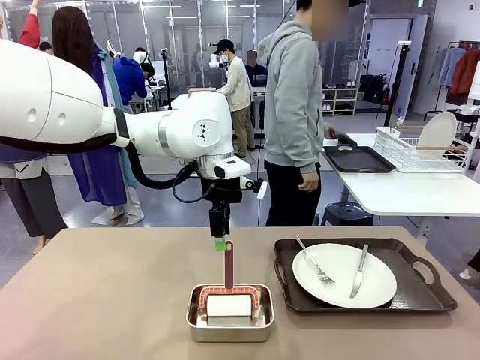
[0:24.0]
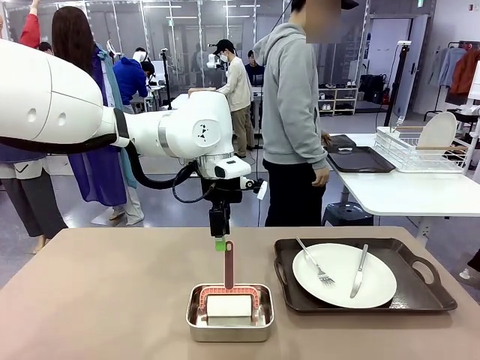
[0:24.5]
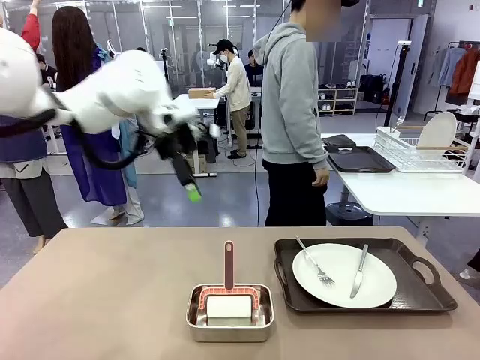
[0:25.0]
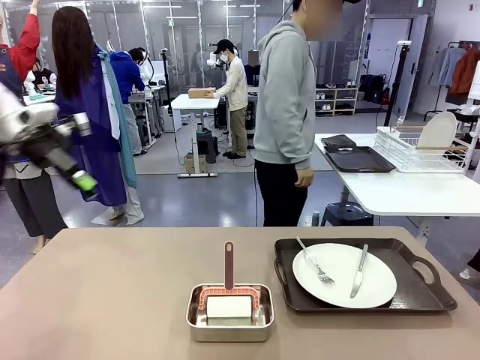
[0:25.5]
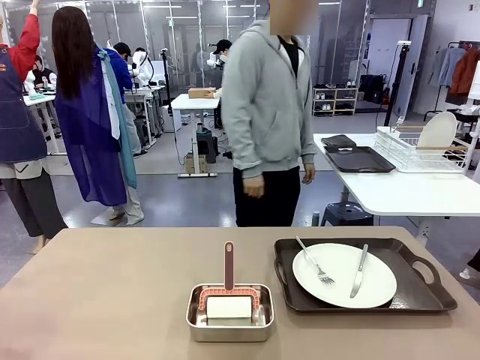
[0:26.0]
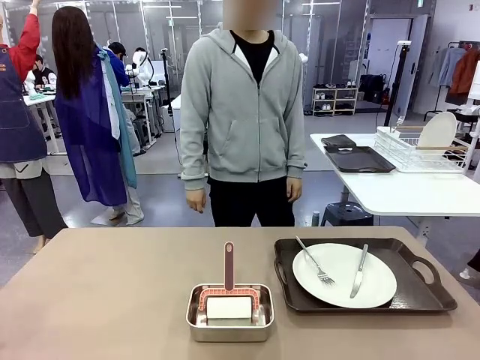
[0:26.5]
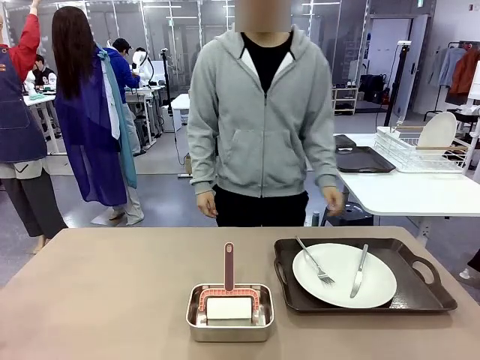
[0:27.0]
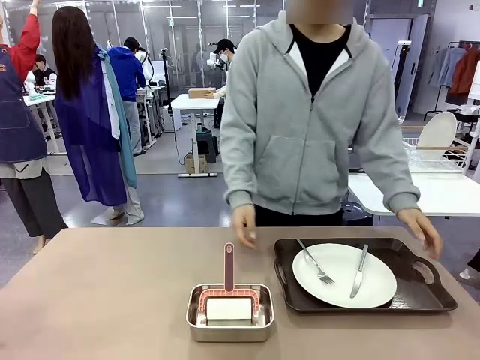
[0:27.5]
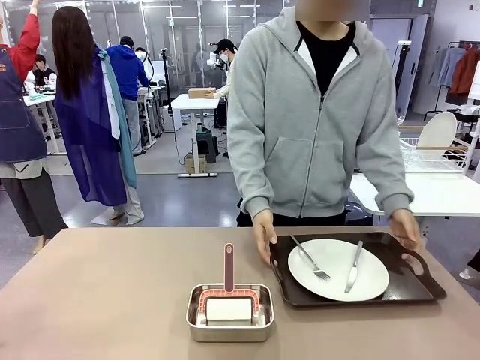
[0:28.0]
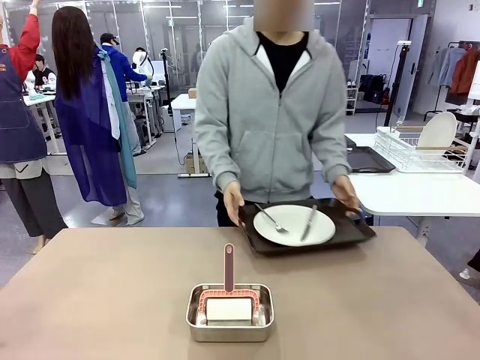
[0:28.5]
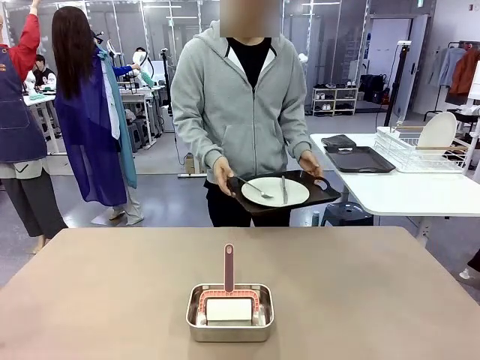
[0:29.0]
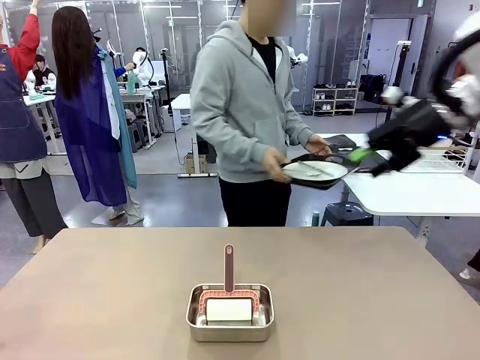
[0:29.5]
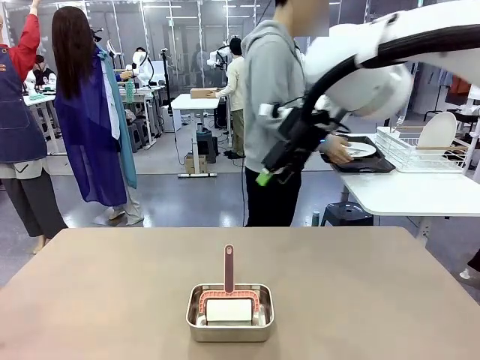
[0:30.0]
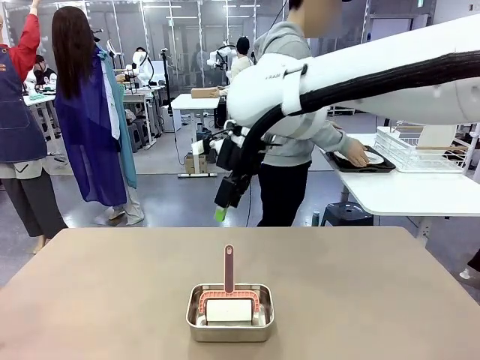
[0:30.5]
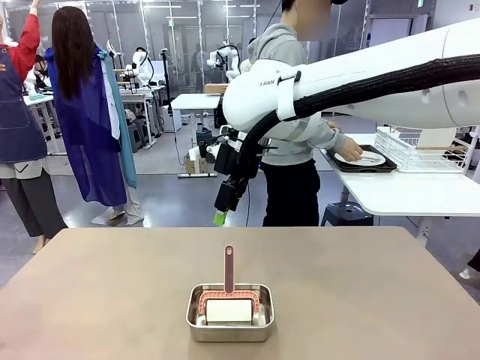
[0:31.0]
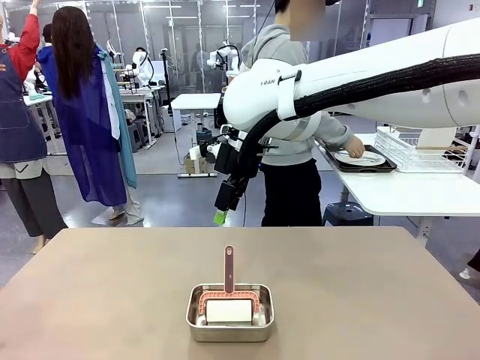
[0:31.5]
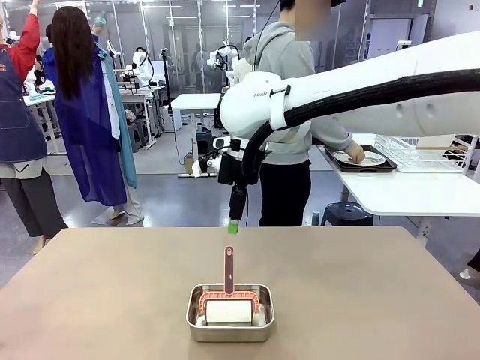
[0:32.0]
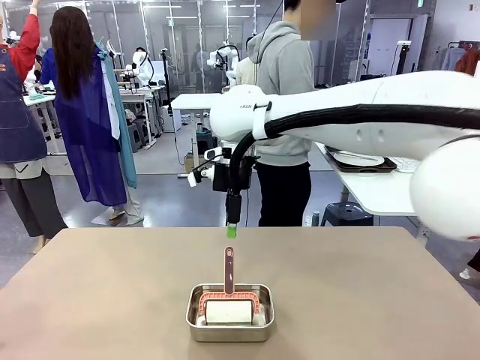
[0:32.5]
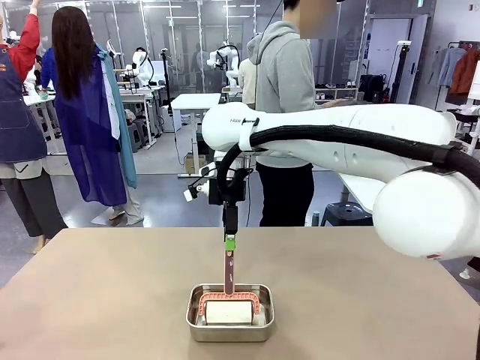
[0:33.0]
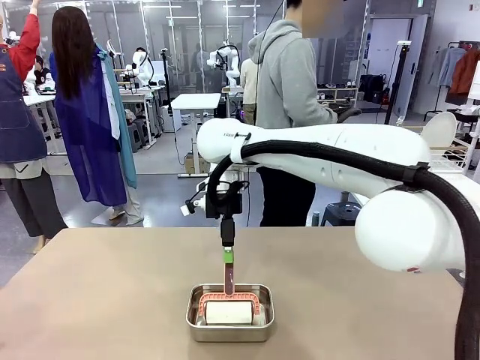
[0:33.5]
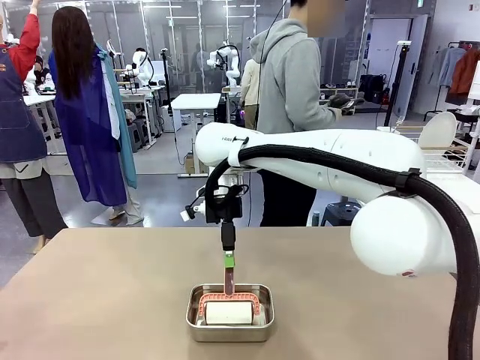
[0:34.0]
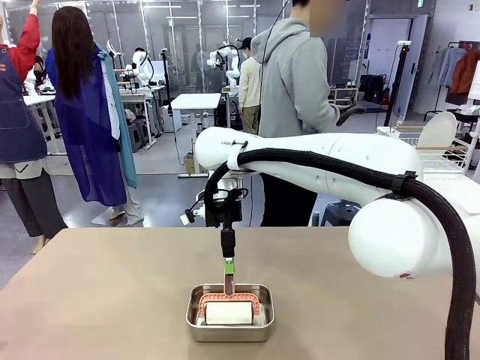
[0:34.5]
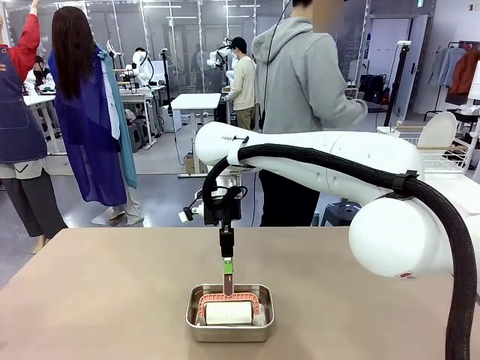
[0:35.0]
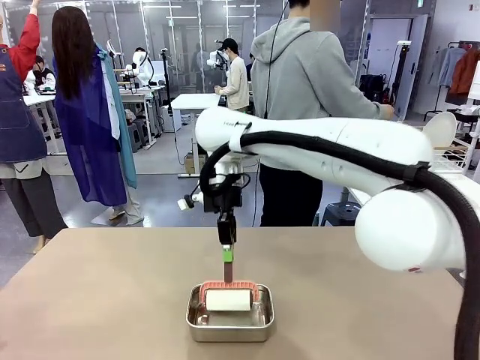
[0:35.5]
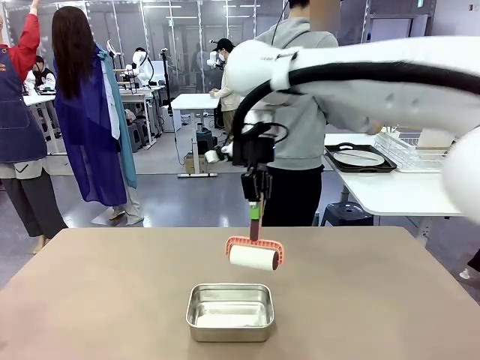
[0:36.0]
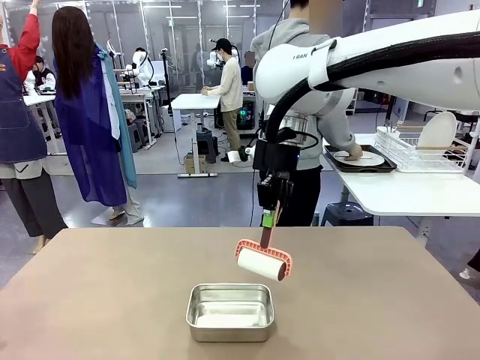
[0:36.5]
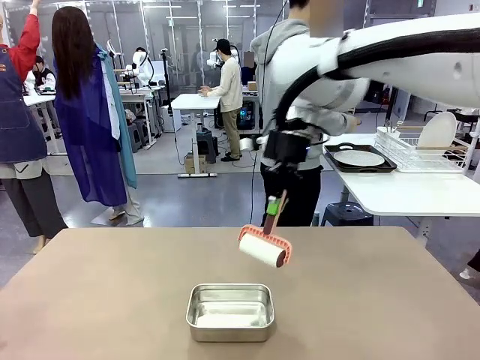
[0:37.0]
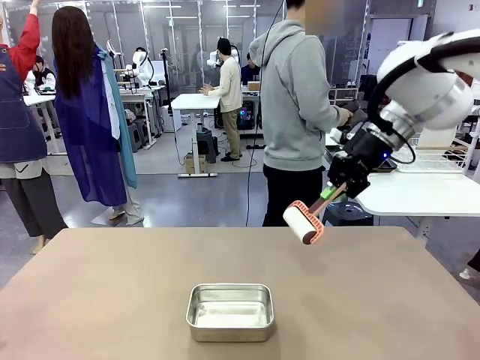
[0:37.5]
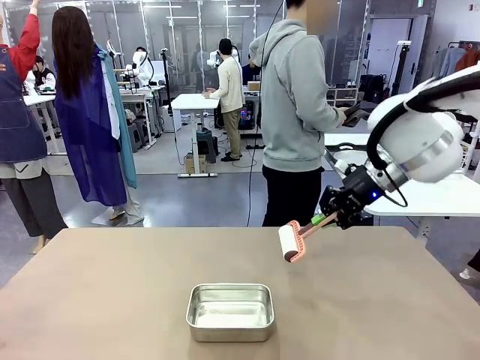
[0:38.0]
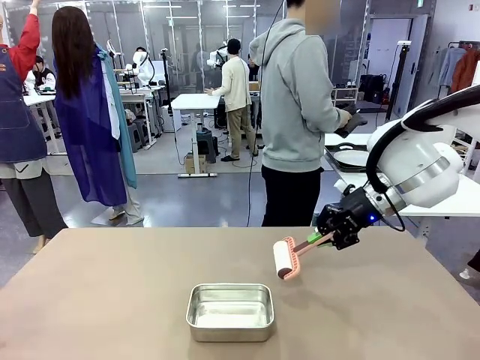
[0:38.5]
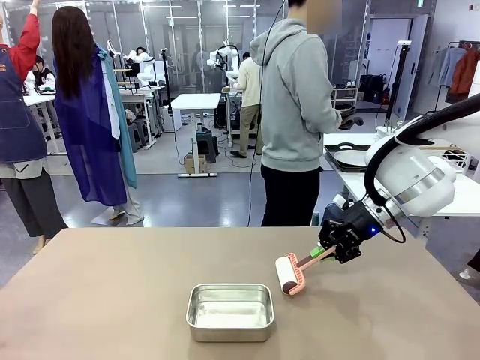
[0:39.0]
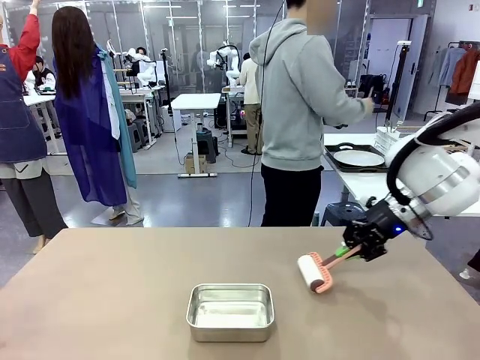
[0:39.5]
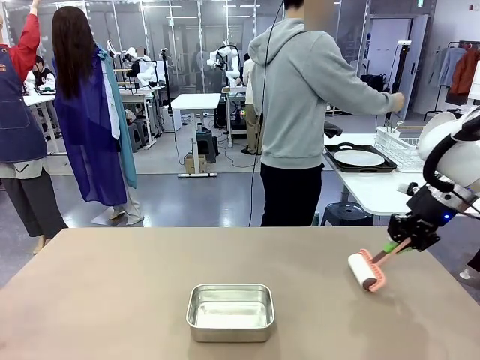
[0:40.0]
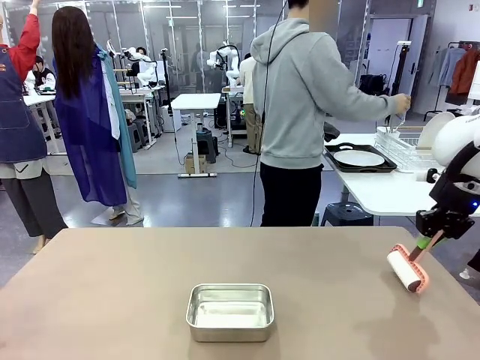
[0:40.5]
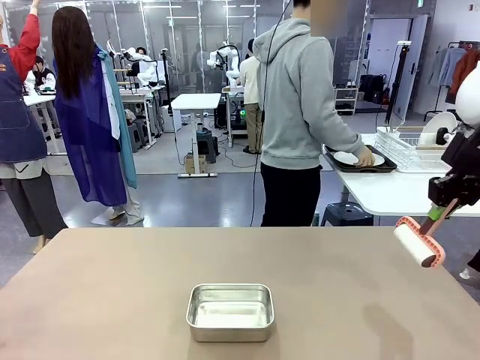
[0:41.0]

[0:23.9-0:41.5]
Robot: When the right (or left) Handle tray is removed, use the right hand (or left hand) to clean the right (or left) side of the table with the Lint Roller.
Person: Pick up the left (or right) Handle tray and place it on the Handle tray.

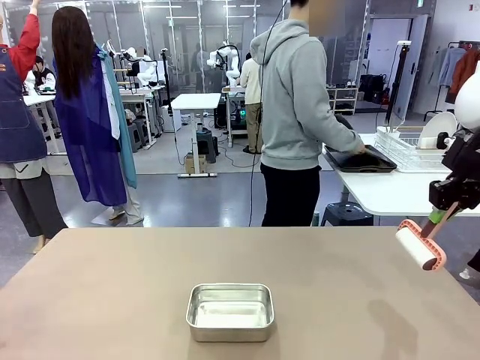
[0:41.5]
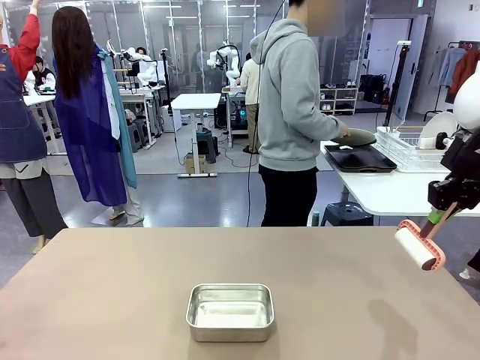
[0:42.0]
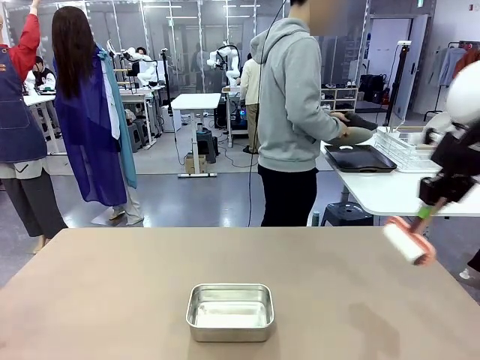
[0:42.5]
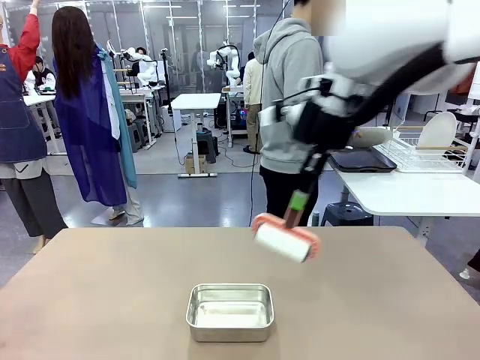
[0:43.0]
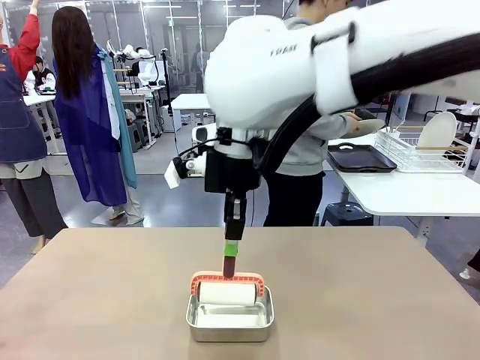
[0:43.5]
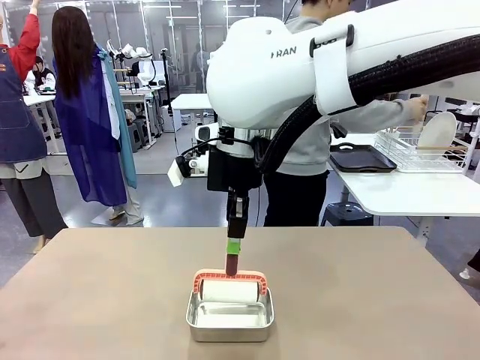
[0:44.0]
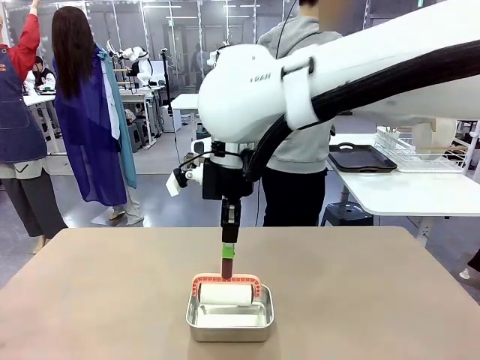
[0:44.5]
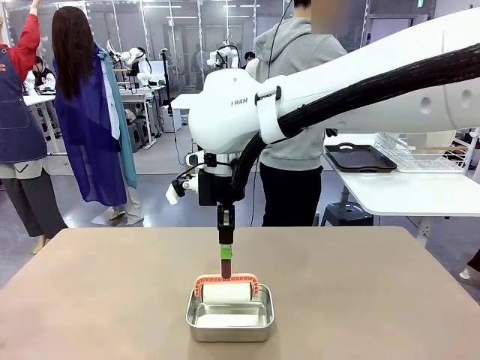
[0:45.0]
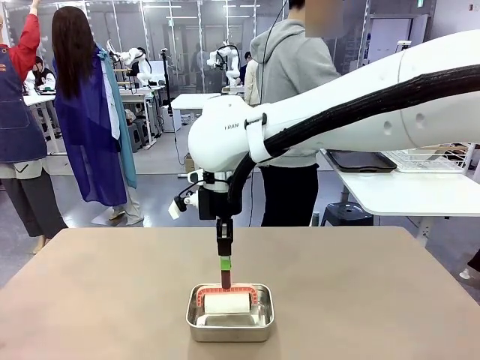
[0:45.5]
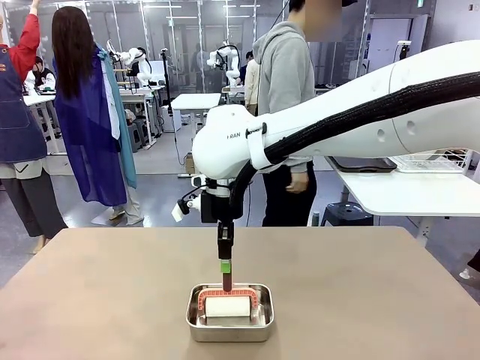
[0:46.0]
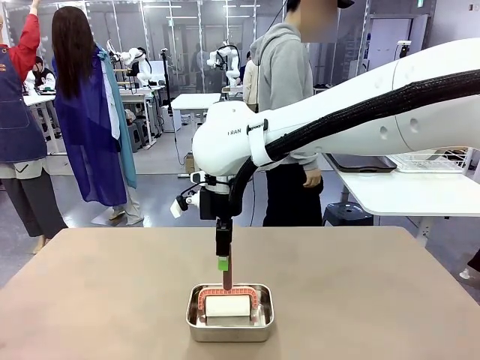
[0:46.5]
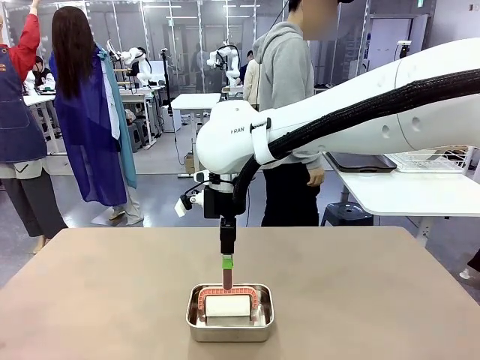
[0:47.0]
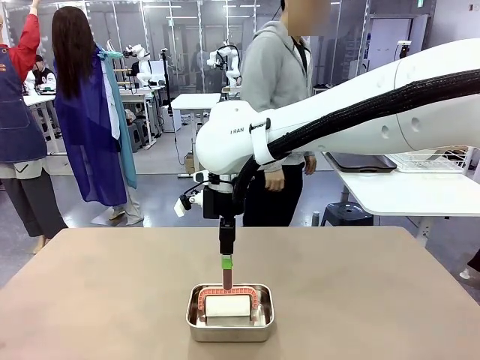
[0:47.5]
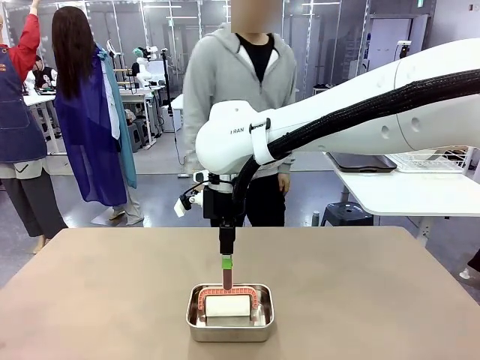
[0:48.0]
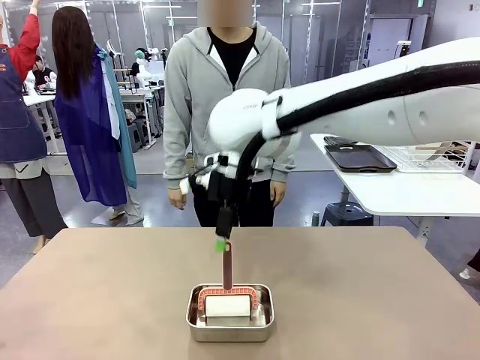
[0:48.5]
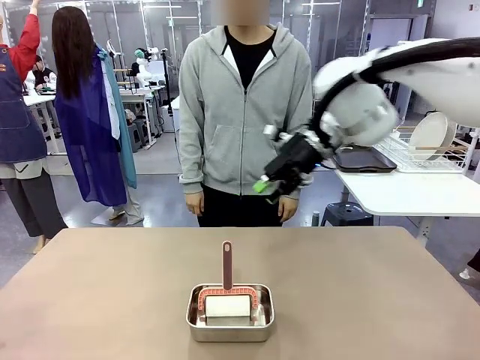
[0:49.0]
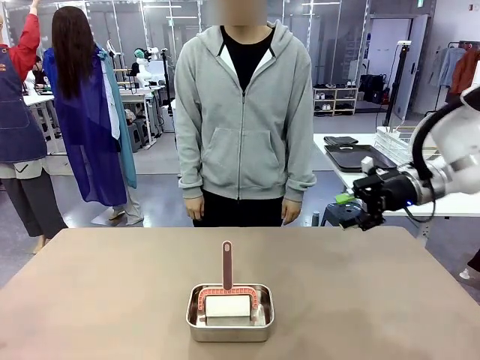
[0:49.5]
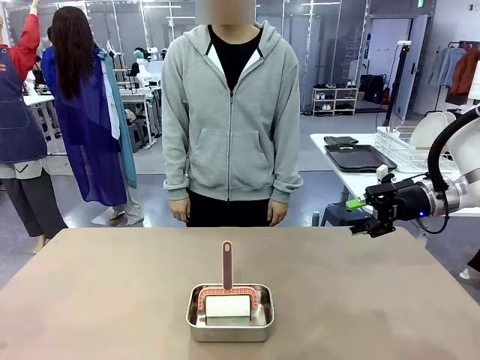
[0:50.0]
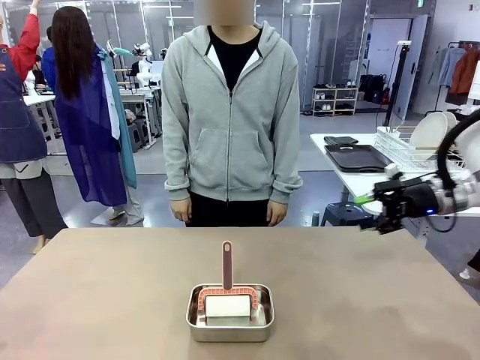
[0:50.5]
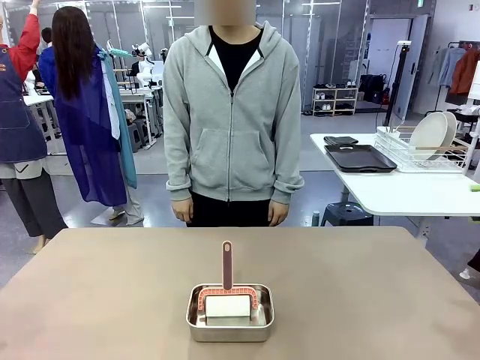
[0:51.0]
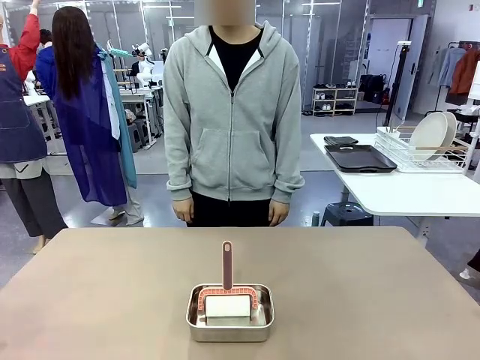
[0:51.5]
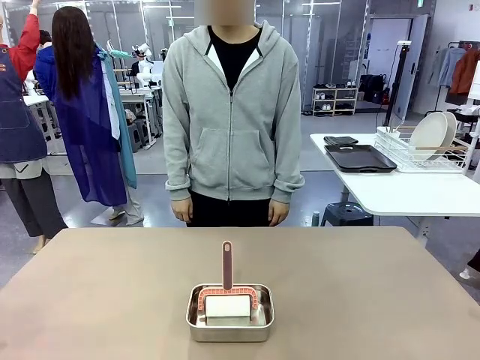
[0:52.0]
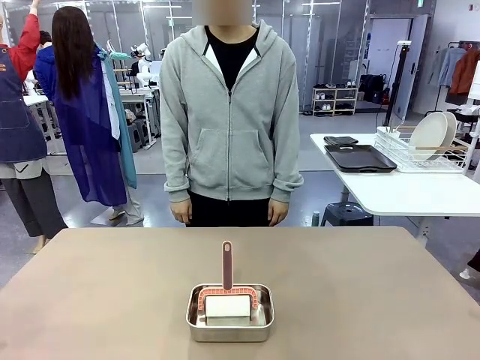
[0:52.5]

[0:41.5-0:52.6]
Robot: Place the Lint Roller back on top of the Airtight Container.
Person: Use the Towel with hook to wipe the Plastic Matte Plate , Fork , and Knife and place into the Dish drying rack.
